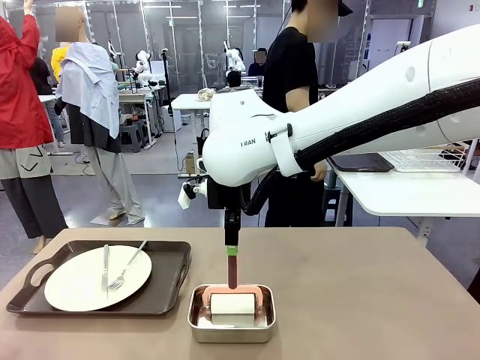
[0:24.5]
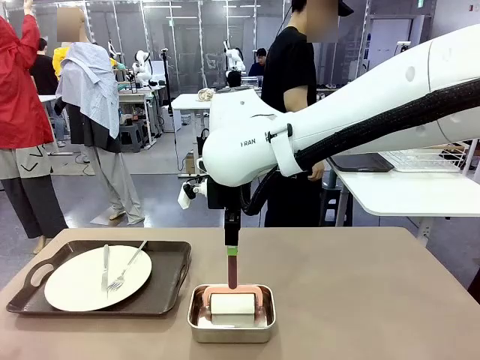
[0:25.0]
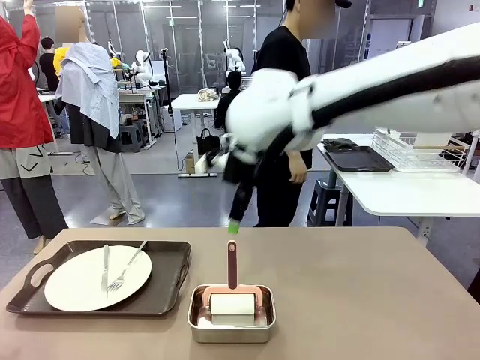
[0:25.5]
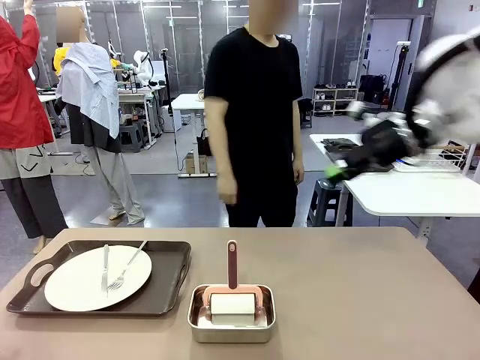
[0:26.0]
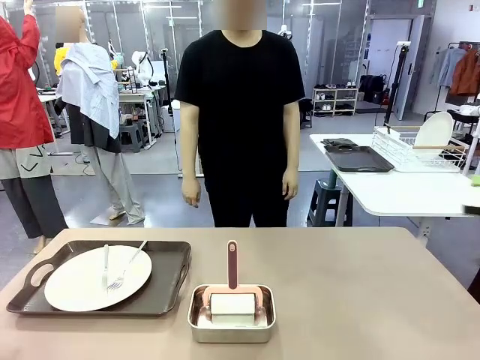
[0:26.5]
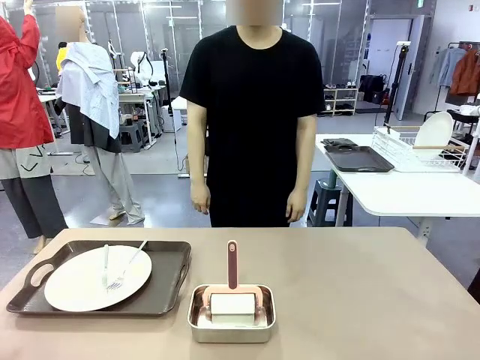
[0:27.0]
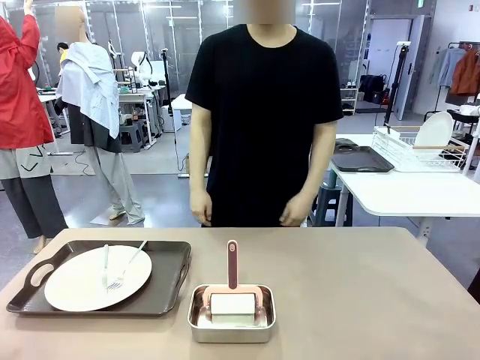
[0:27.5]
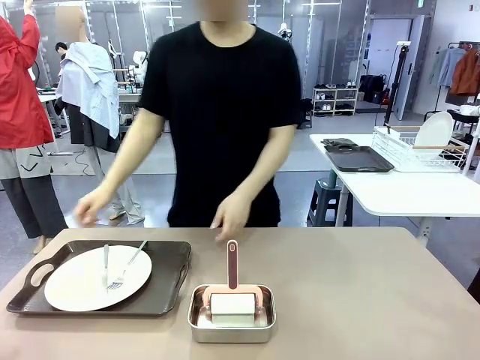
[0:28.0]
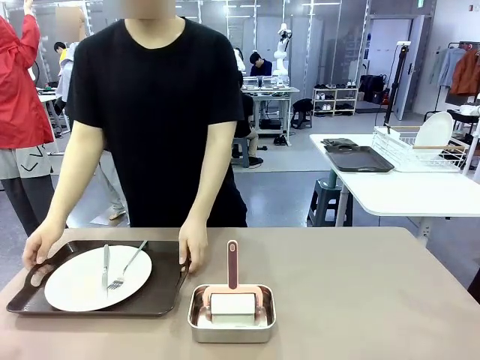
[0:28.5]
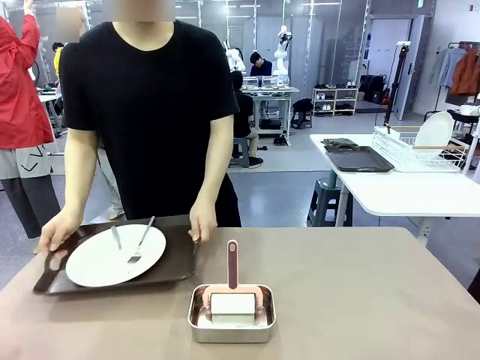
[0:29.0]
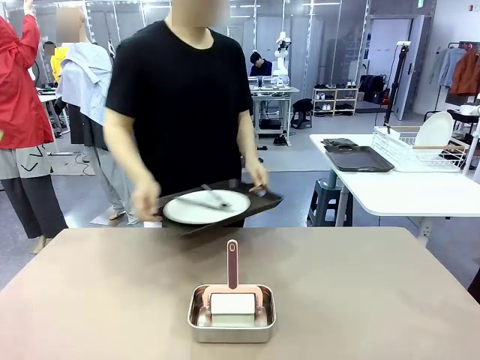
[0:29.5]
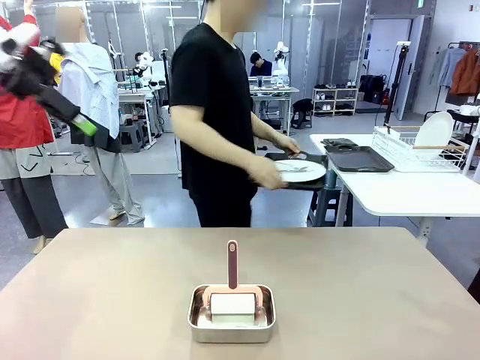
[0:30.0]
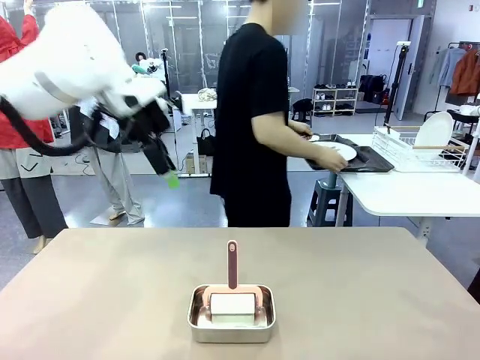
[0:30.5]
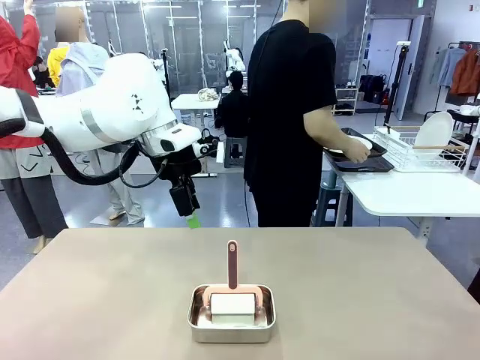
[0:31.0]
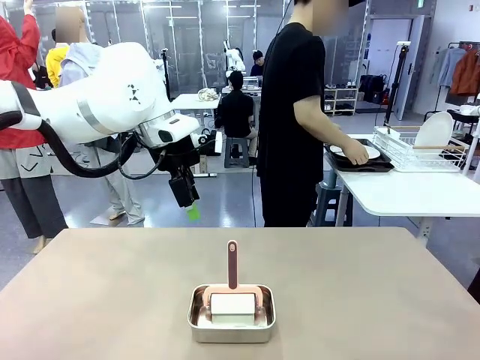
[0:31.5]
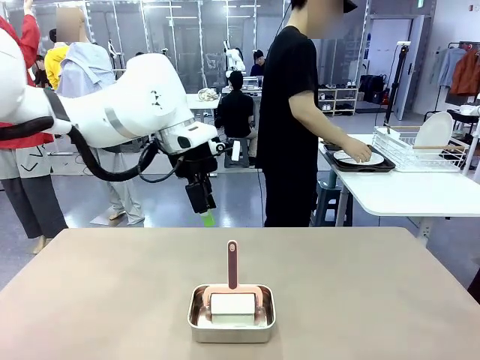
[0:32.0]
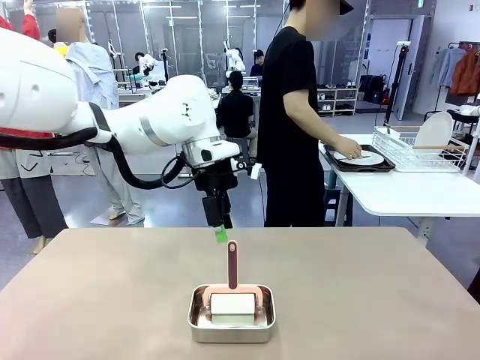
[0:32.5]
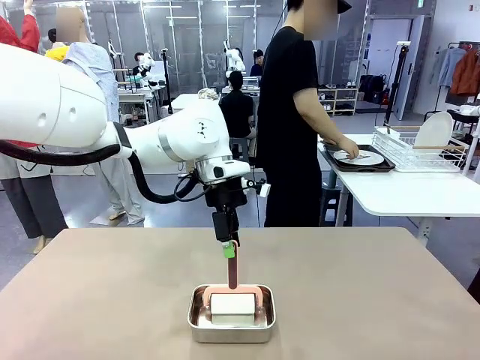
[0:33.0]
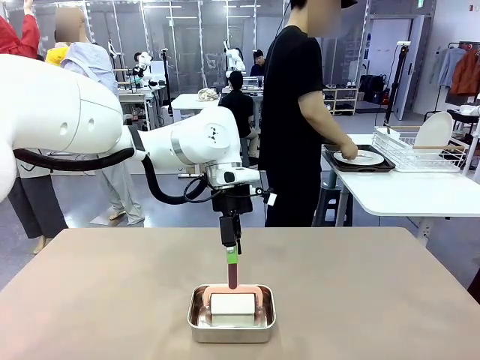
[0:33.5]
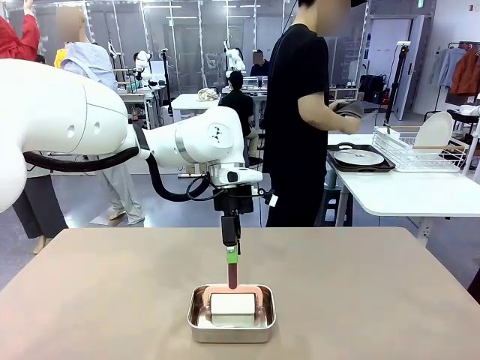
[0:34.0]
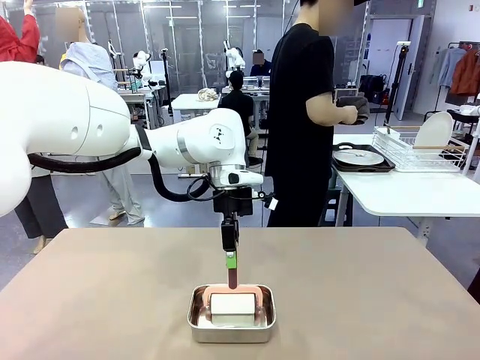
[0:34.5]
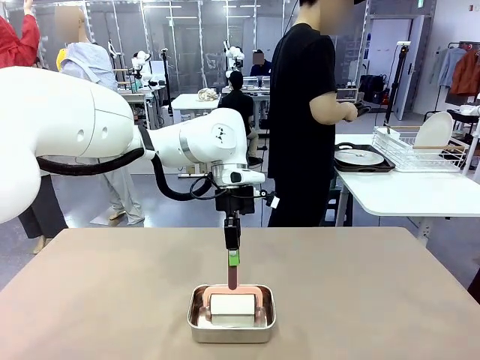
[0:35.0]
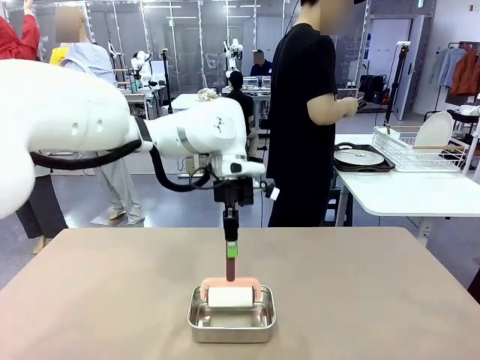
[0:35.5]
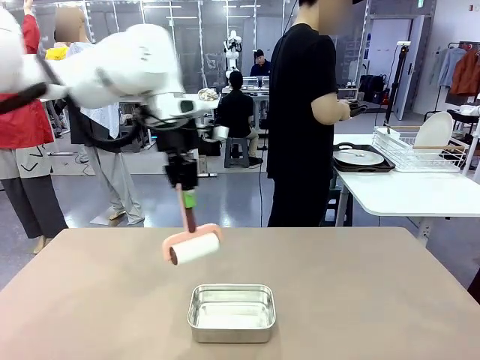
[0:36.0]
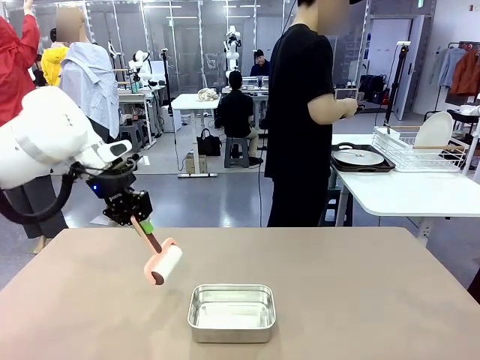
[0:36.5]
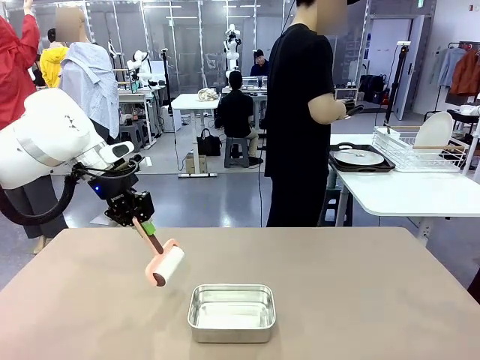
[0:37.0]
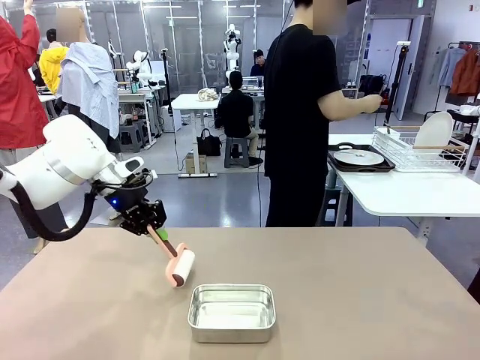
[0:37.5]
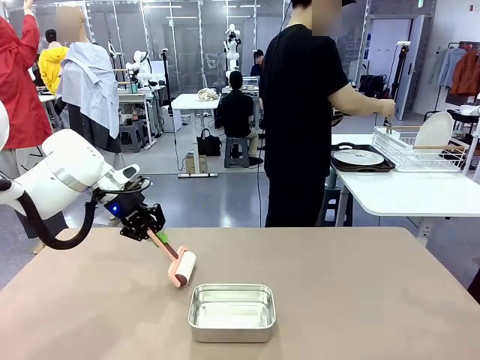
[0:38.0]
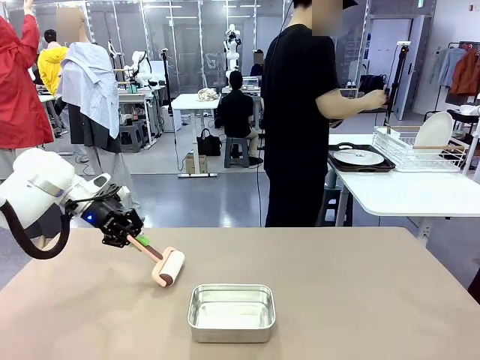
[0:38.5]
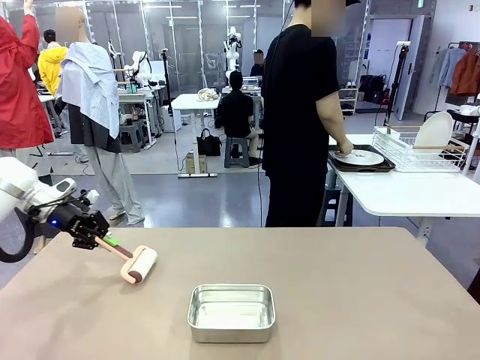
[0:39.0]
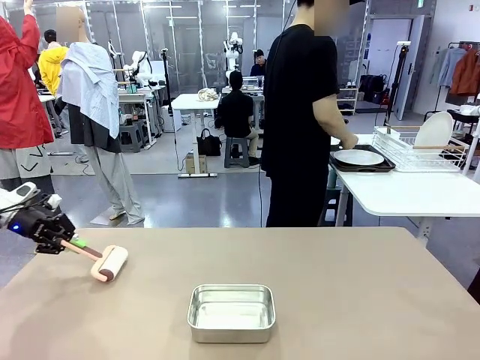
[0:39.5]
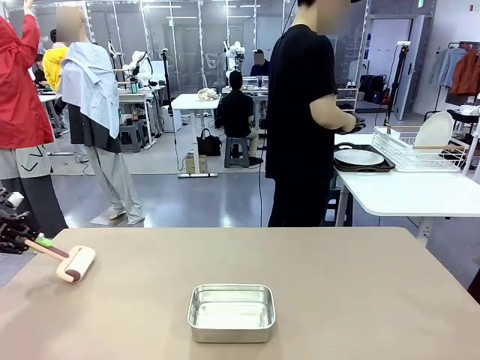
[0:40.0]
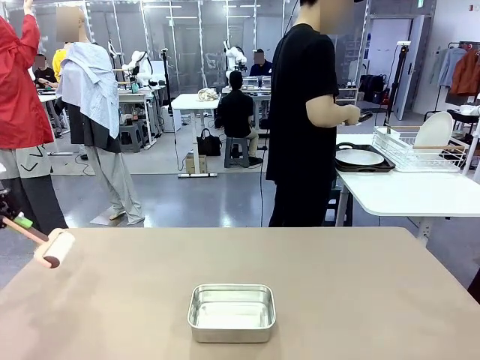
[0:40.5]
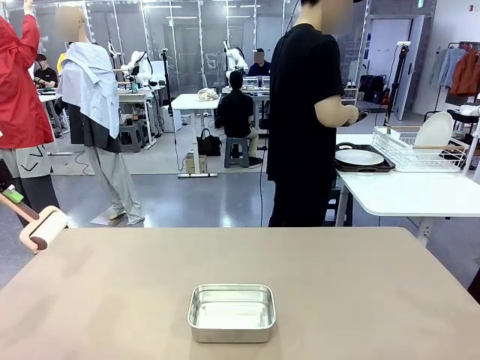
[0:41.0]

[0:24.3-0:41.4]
Robot: When the right (or left) Handle tray is removed, use the right hand (or left hand) to clean the right (or left) side of the table with the Lint Roller.
Person: Pick up the left (or right) Handle tray and place it on the Handle tray.

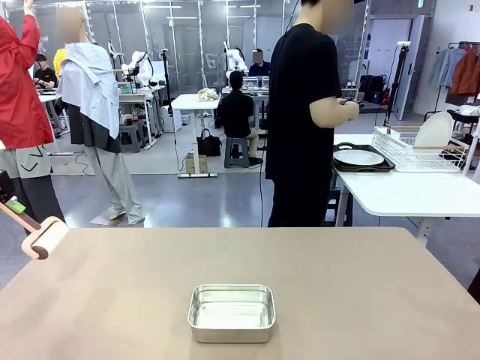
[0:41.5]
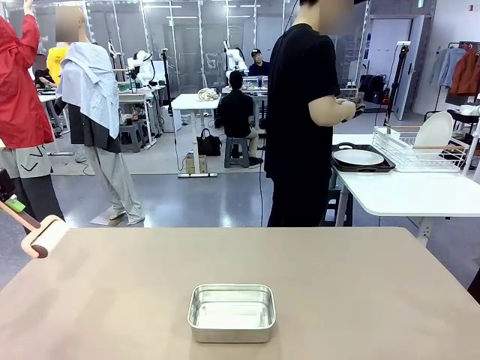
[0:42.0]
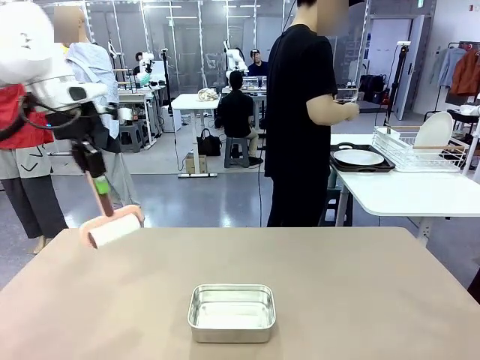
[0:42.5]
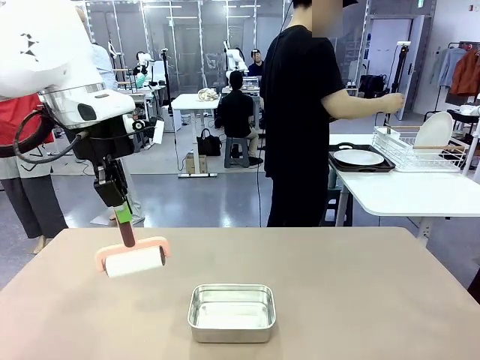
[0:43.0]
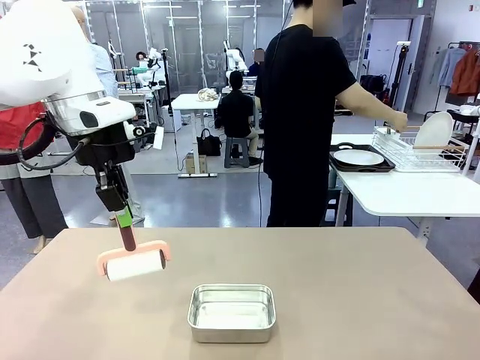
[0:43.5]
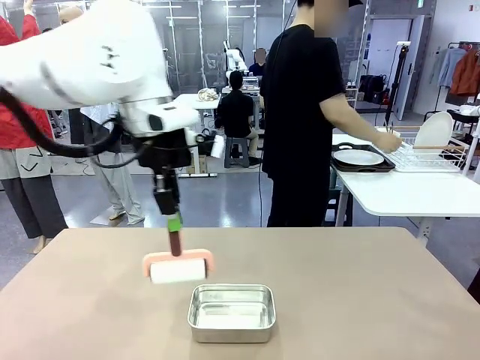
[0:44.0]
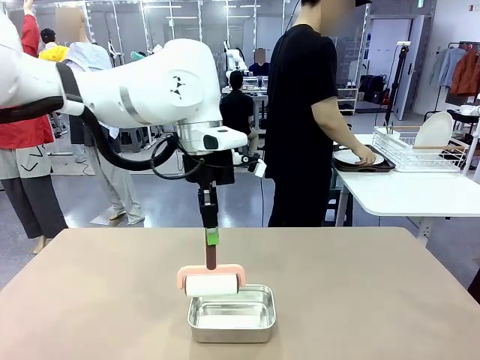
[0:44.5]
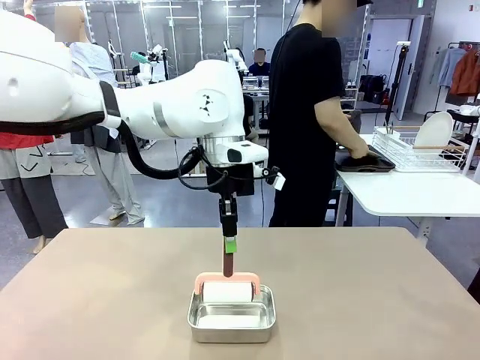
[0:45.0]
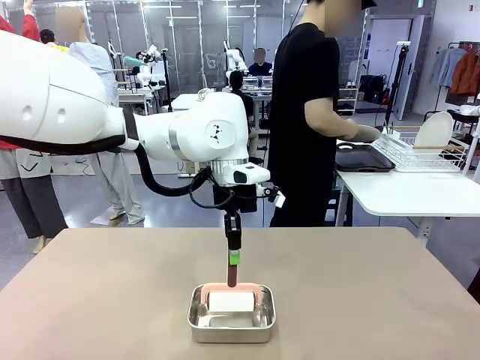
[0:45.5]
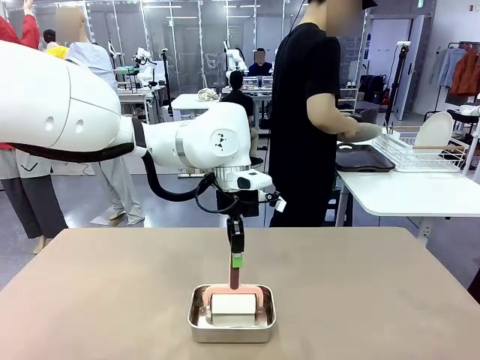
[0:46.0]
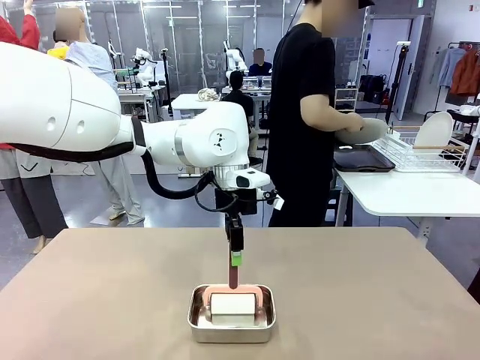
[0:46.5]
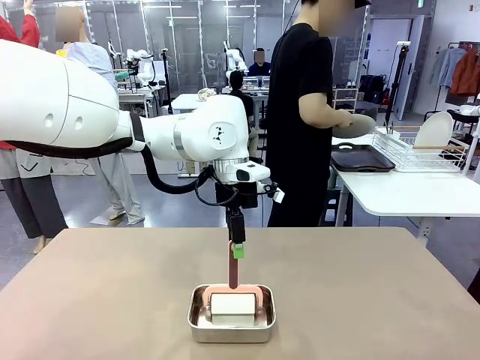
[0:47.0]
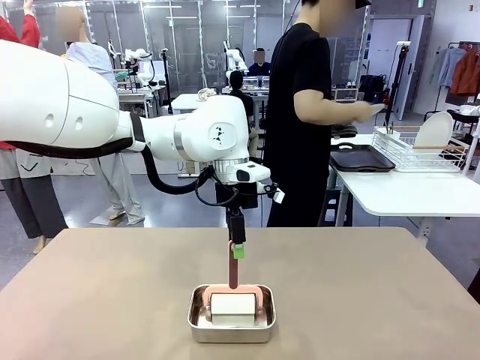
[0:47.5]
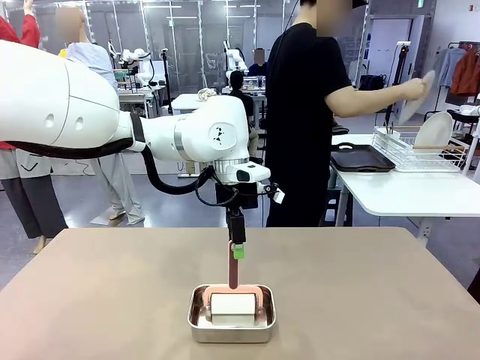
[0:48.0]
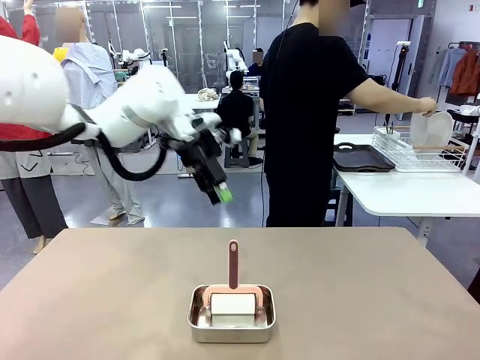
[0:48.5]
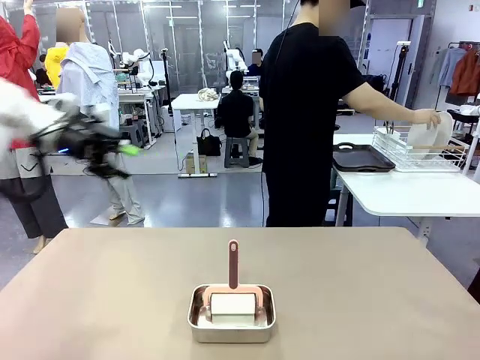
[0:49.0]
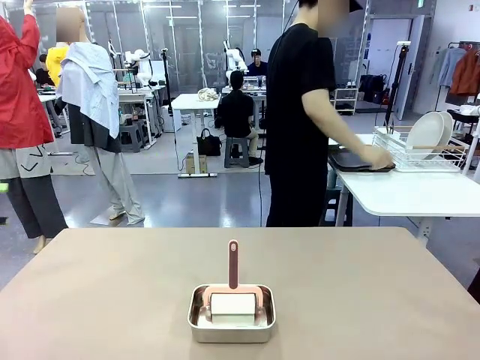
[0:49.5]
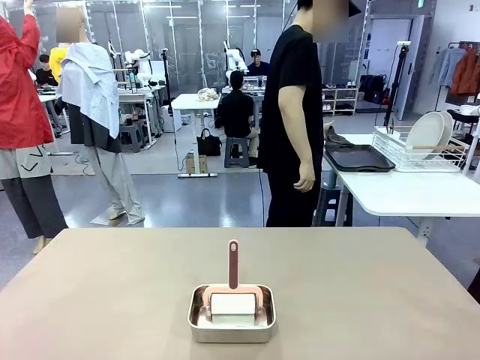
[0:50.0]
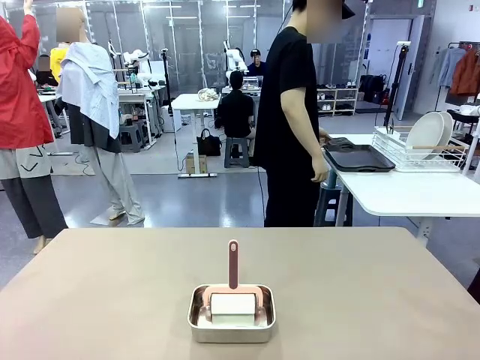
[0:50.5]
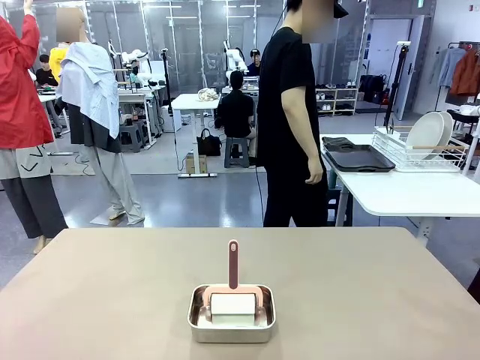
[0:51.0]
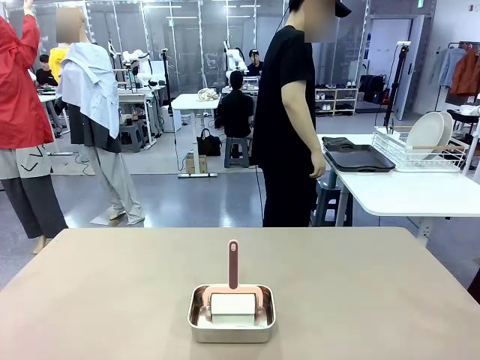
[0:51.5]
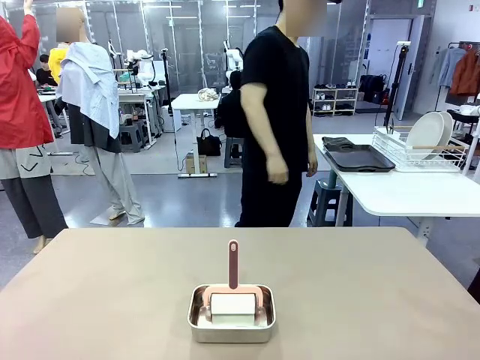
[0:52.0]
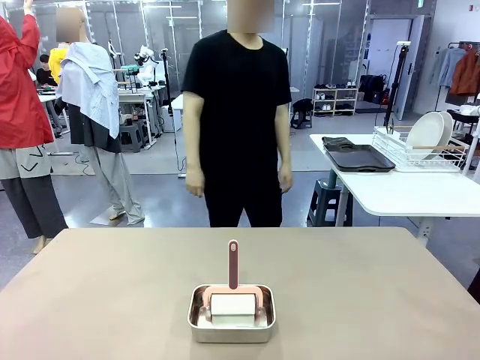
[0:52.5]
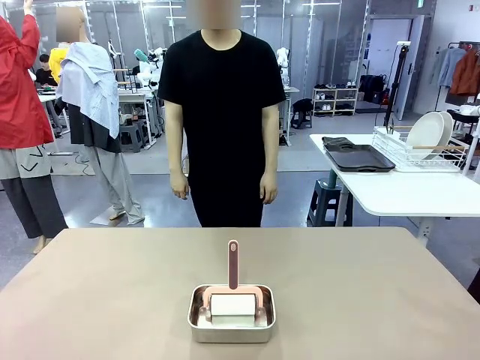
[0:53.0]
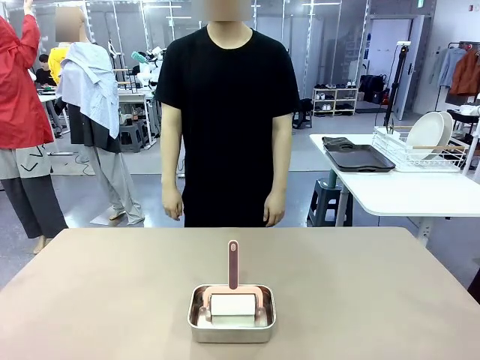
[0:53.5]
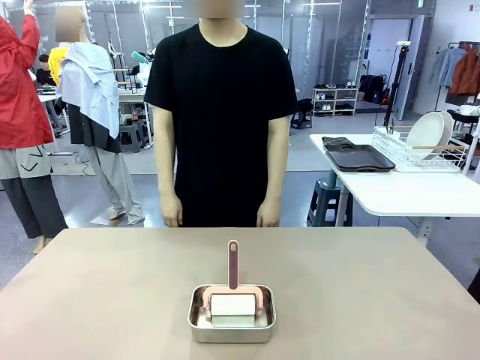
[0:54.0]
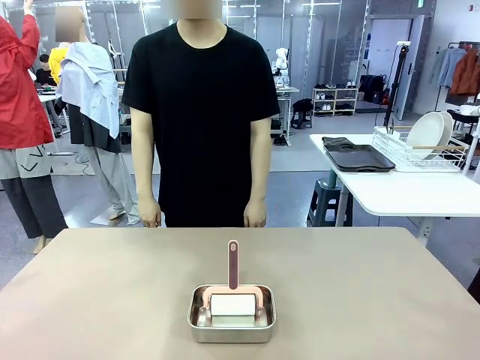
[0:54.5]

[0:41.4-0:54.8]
Robot: Place the Lint Roller back on top of the Airtight Container.
Person: Use the Towel with hook to wipe the Plastic Matte Plate , Fork , and Knife and place into the Dish drying rack.
